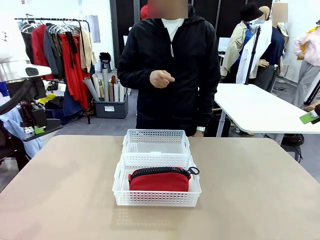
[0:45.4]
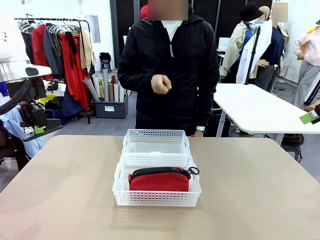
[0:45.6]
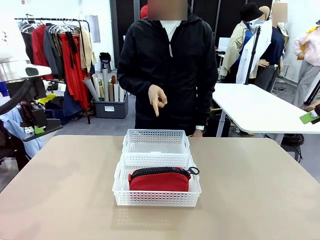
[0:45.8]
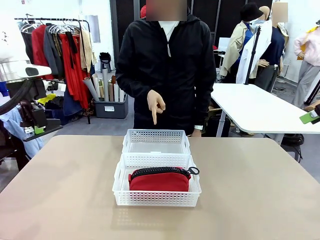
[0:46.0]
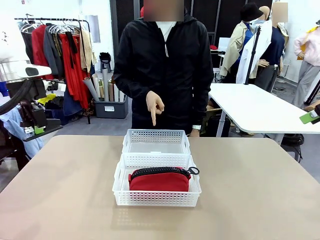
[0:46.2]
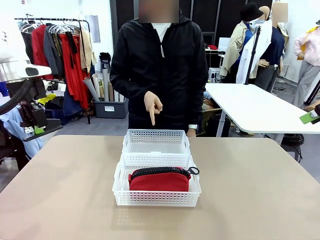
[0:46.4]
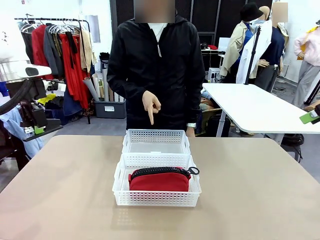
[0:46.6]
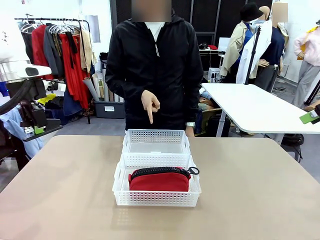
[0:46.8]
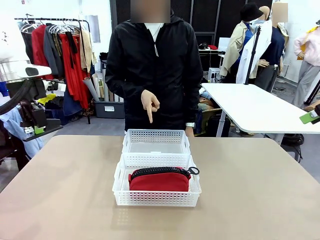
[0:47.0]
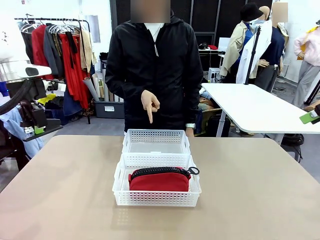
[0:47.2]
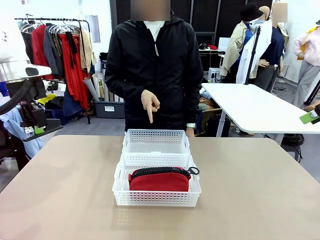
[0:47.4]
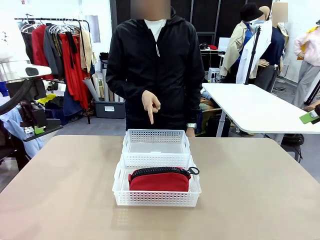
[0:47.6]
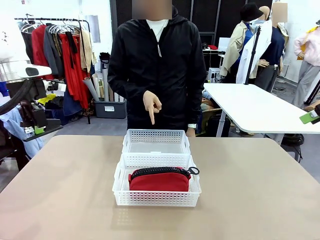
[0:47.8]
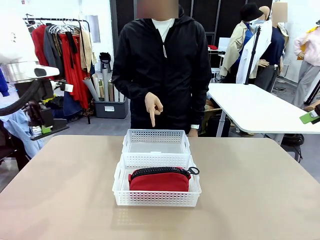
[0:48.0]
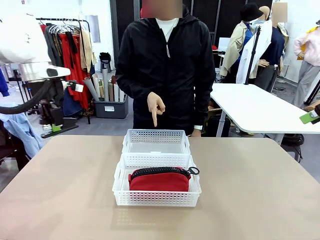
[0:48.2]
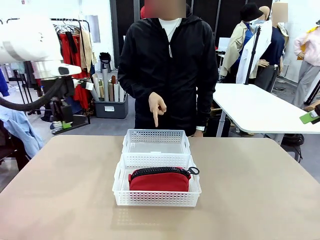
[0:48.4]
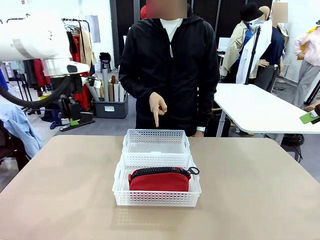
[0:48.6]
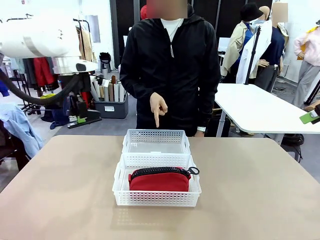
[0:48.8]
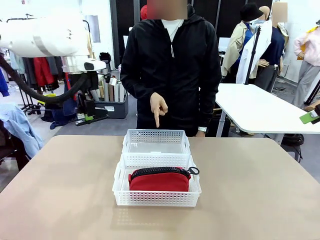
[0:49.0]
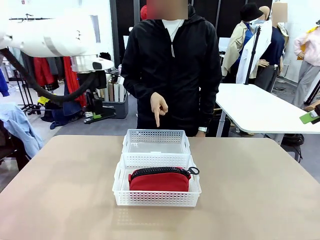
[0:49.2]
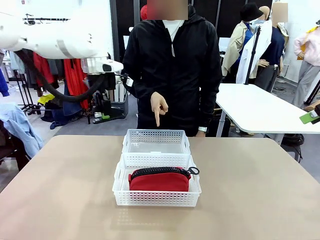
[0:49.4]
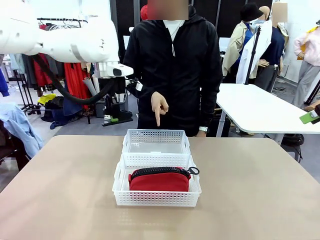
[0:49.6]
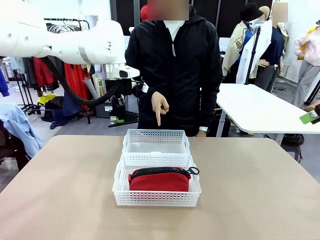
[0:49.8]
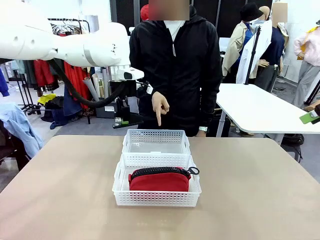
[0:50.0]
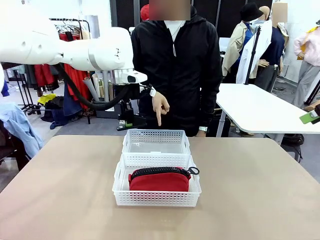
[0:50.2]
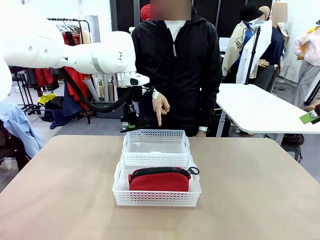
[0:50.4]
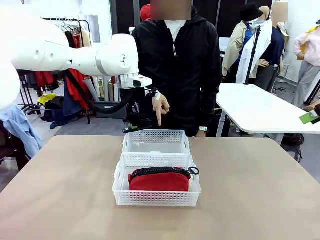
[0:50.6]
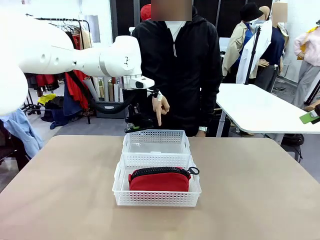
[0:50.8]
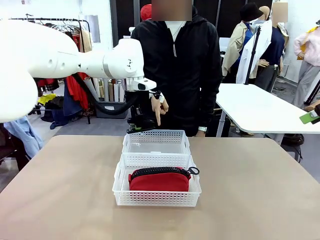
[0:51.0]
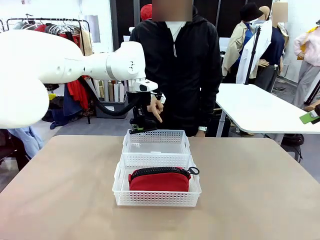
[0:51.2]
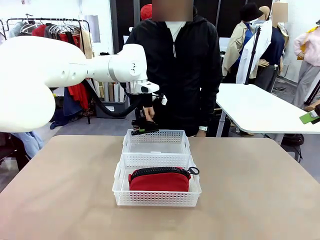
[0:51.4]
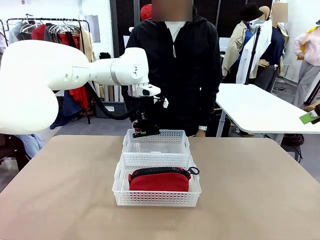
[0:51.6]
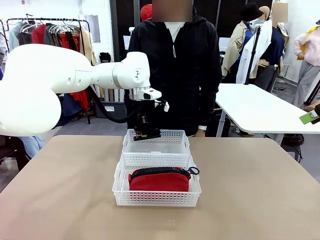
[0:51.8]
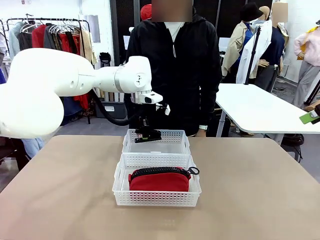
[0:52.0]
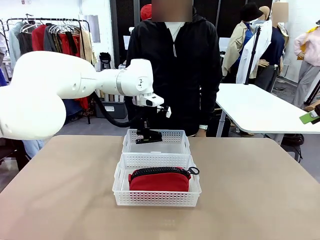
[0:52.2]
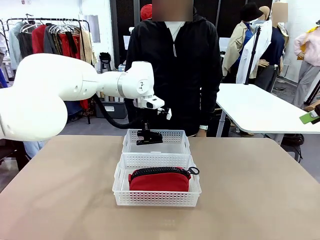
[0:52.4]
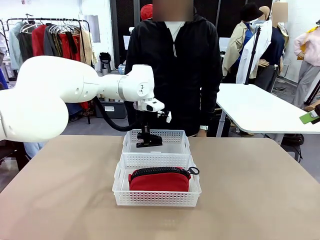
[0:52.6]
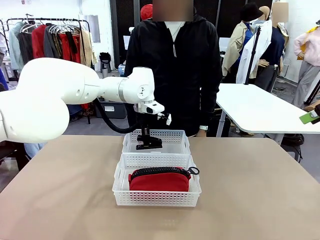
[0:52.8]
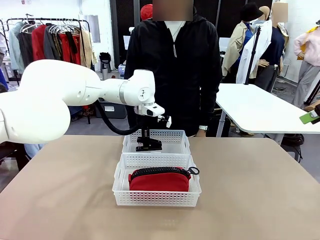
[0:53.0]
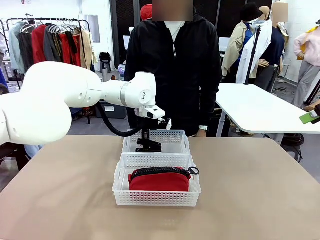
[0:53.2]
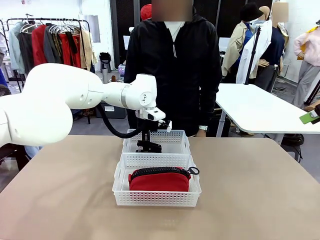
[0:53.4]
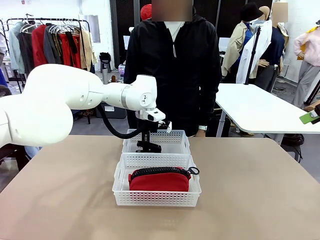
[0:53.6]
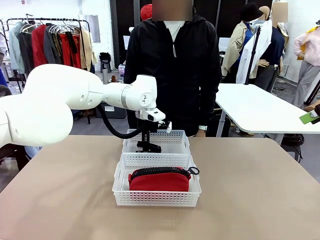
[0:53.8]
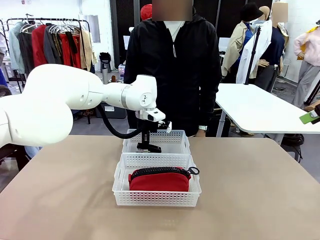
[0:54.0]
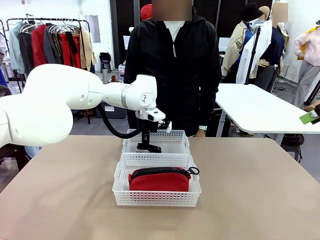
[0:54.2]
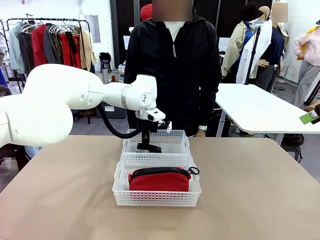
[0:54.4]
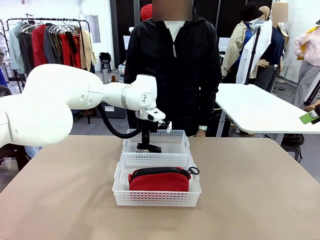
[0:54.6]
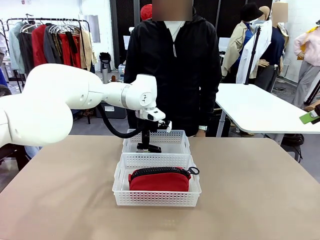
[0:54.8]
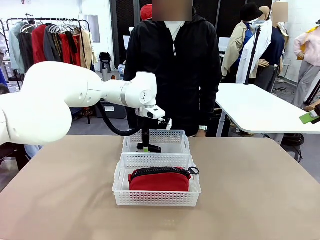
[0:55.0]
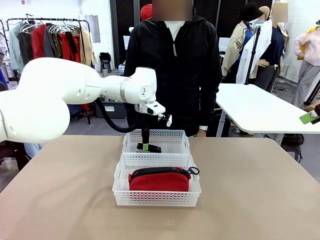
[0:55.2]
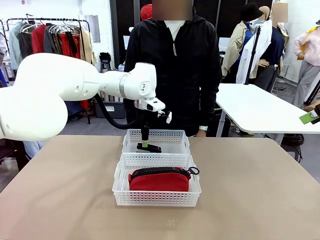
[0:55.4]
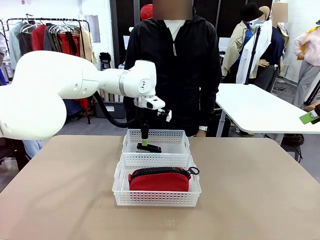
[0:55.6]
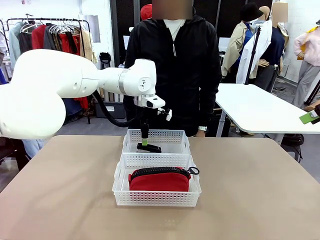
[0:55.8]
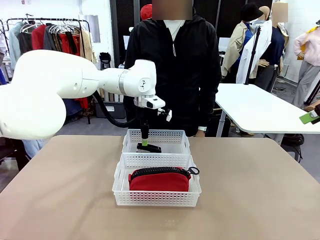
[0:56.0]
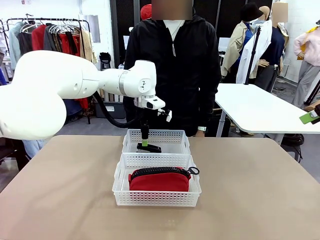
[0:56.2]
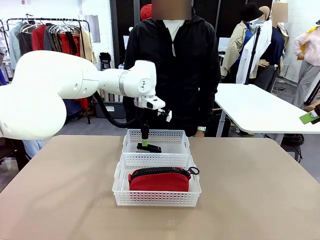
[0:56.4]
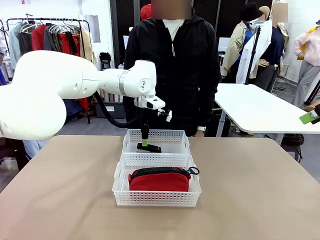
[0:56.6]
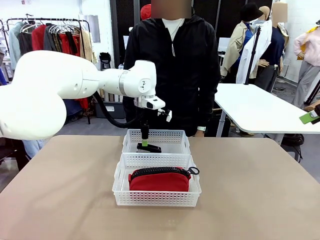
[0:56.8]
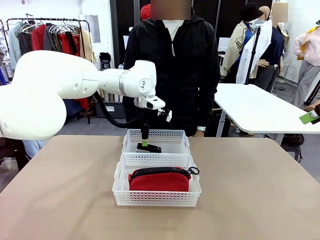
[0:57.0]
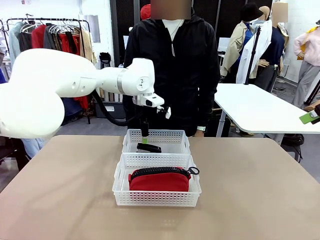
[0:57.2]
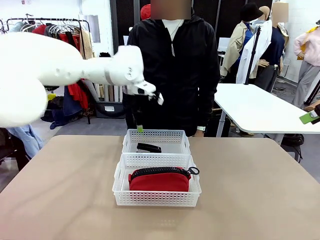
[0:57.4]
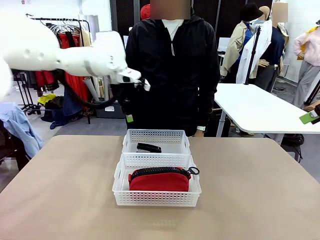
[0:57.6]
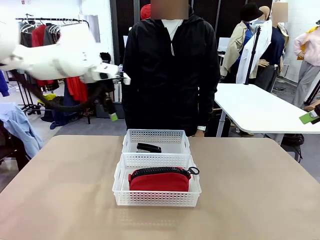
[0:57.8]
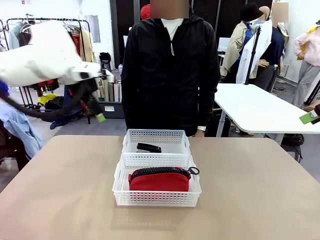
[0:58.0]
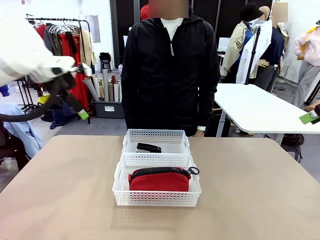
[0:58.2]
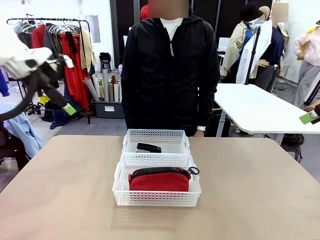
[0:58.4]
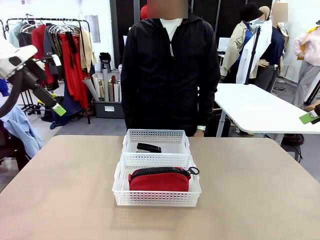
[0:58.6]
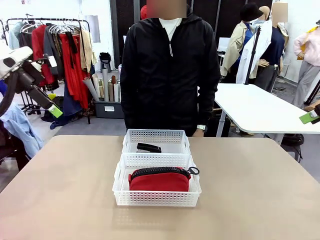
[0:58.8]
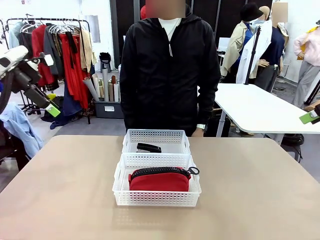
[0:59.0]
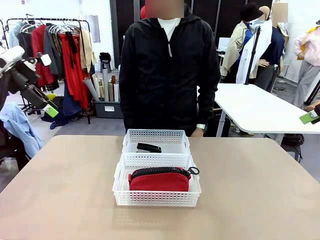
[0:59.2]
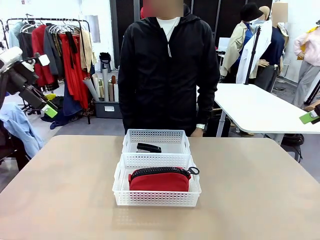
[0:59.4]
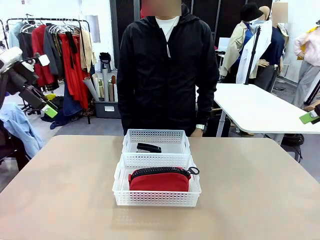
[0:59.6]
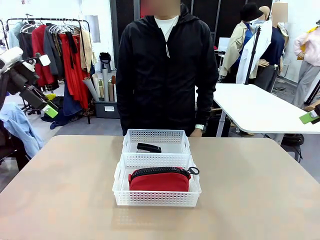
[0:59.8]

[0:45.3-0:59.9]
Task: Distribute items into two baskets.
Robot: Place the picked Stapler into the Organizing basket as instructed by the person.
Person: Points to the basket that does not contain the pencil case and instructs the robot to move the stapler there.

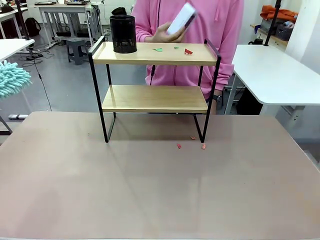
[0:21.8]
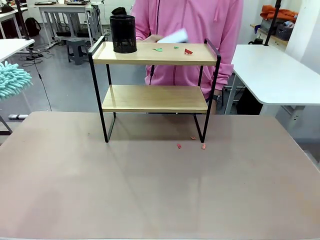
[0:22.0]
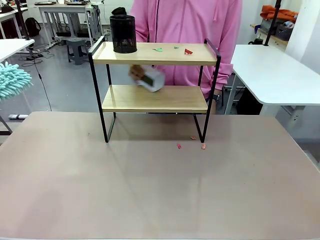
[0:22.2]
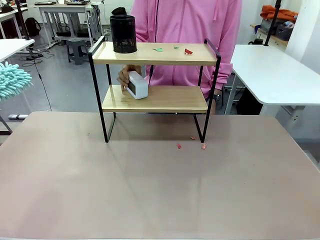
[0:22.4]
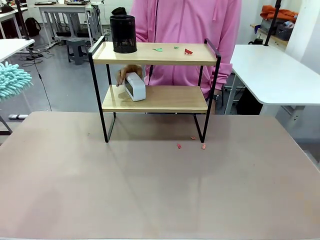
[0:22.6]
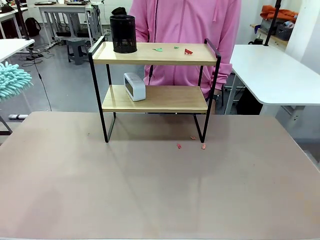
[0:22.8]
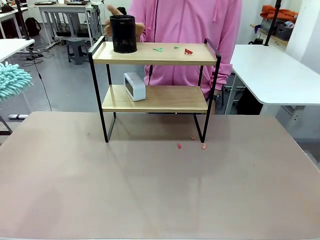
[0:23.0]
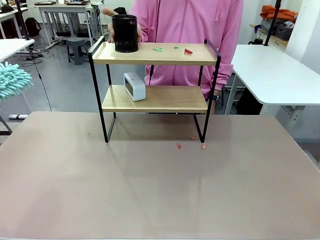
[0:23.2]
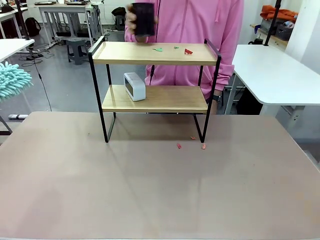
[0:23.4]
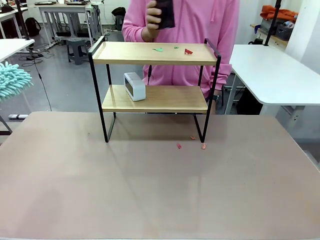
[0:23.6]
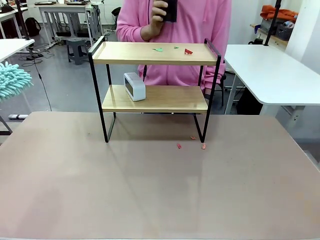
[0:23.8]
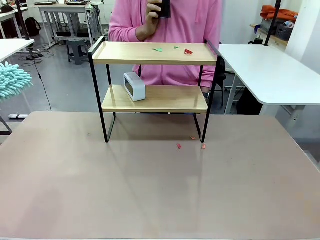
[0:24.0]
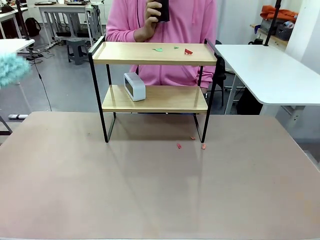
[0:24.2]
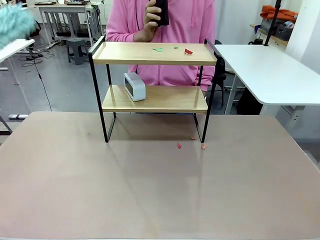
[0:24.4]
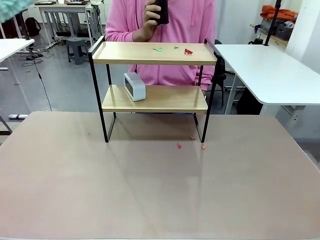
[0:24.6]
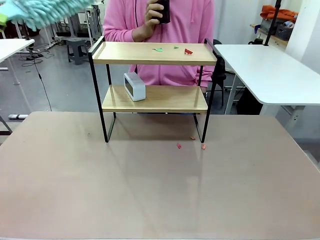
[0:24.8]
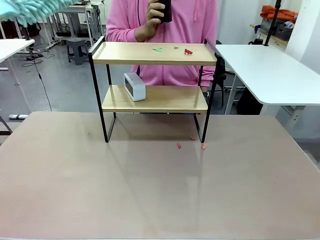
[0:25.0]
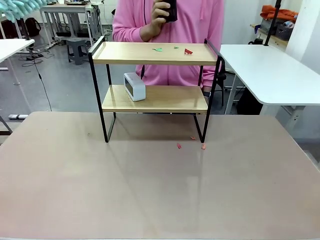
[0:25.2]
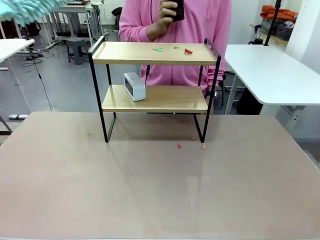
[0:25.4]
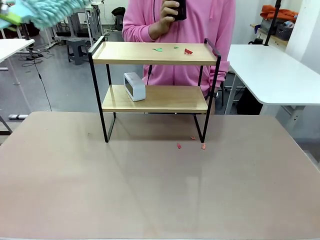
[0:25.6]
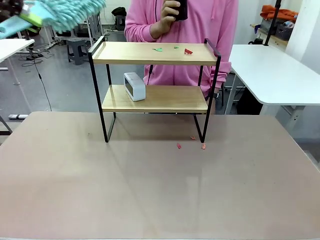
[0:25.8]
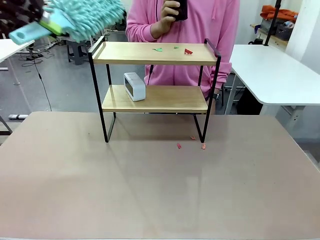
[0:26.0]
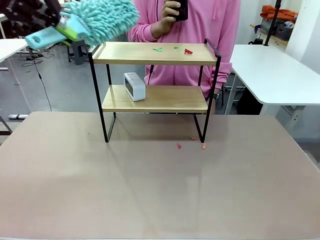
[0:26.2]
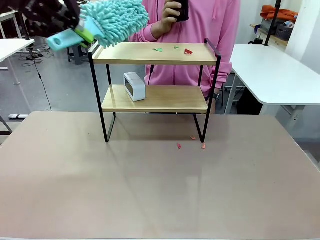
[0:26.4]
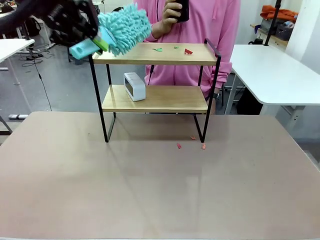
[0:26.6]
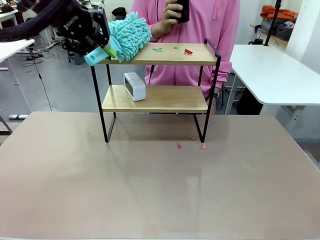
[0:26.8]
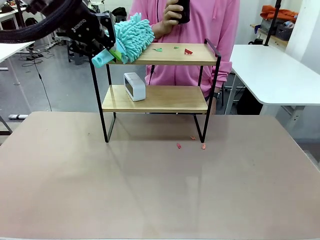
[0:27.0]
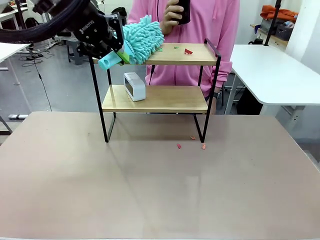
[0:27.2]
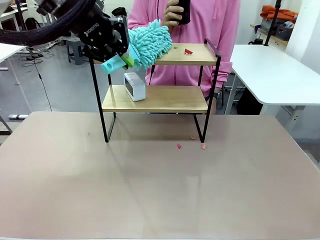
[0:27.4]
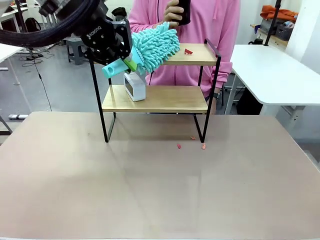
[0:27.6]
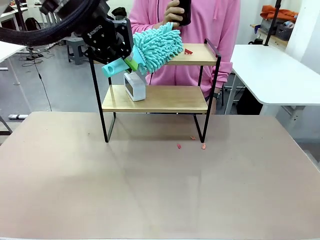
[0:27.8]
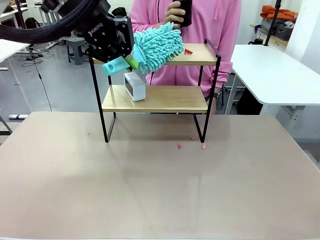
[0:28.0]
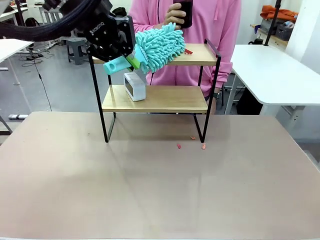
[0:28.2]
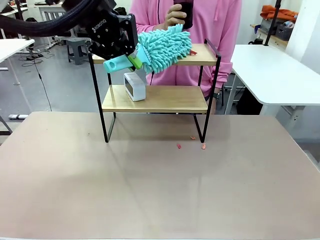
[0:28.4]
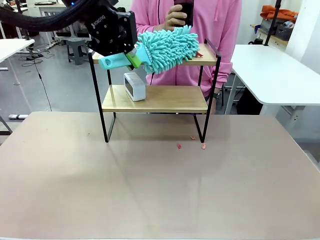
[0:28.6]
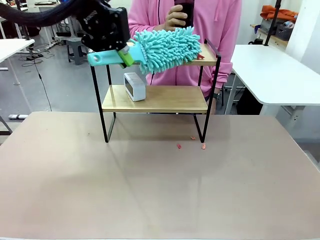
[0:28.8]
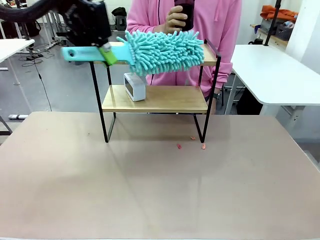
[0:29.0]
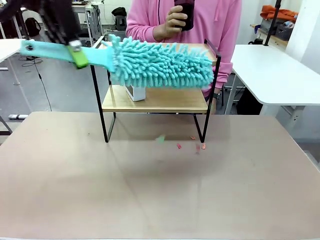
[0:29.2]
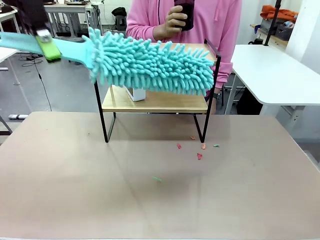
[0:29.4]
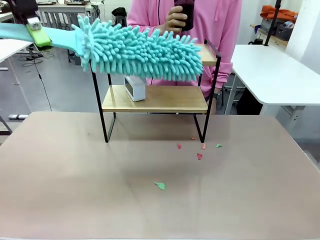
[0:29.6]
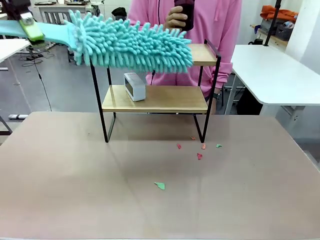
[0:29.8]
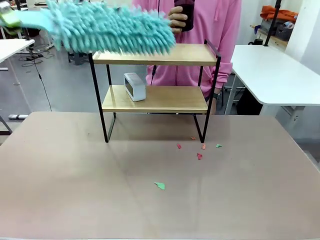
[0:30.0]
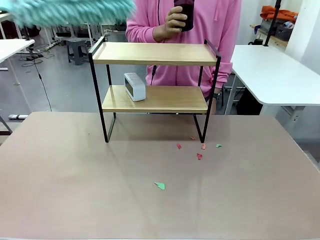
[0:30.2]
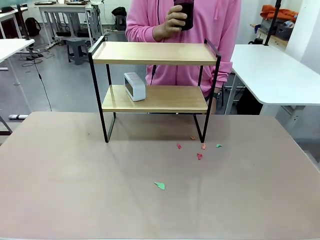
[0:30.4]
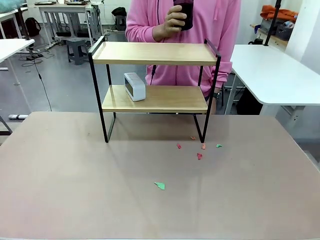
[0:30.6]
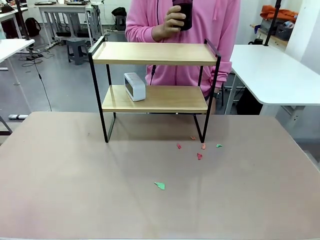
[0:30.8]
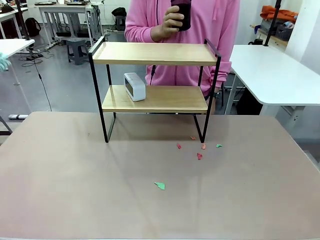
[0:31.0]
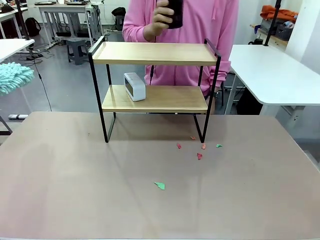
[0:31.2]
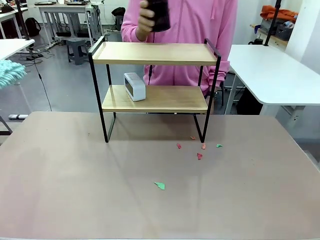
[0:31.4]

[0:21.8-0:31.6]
Task: Clean the shelf.
Robot: Clean the remaining tier of the Shelf with the Duster once objects are removed.
